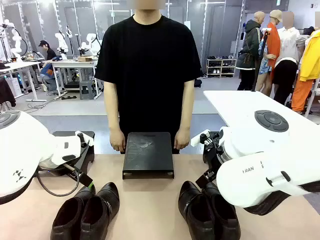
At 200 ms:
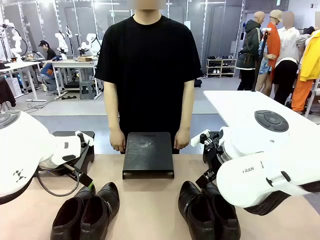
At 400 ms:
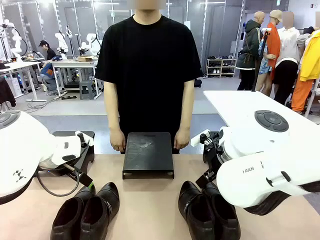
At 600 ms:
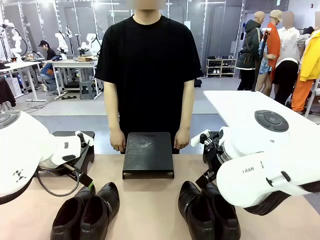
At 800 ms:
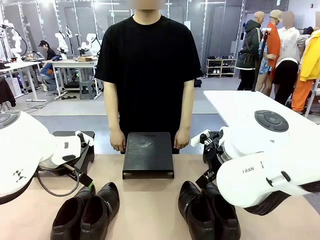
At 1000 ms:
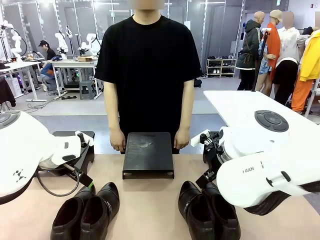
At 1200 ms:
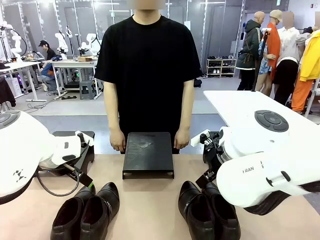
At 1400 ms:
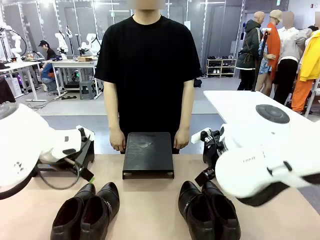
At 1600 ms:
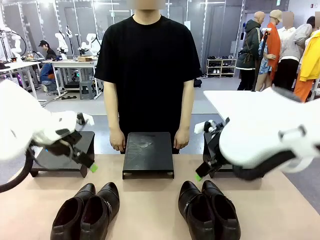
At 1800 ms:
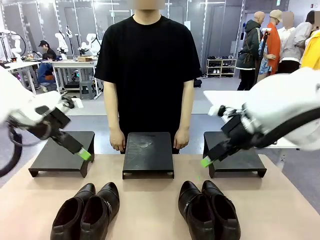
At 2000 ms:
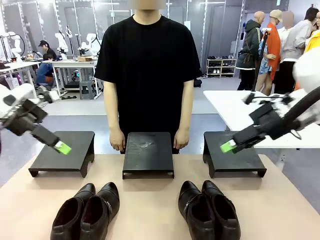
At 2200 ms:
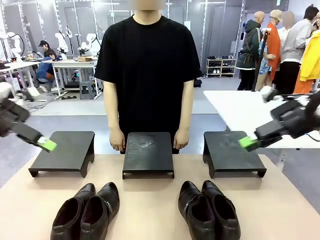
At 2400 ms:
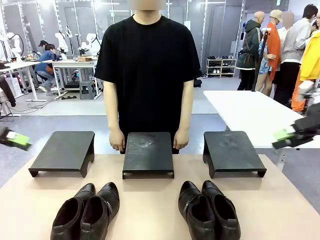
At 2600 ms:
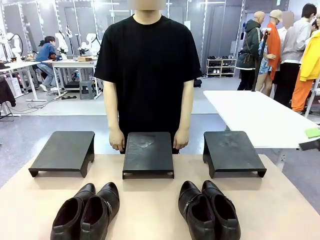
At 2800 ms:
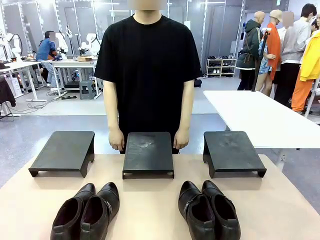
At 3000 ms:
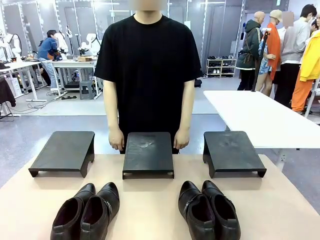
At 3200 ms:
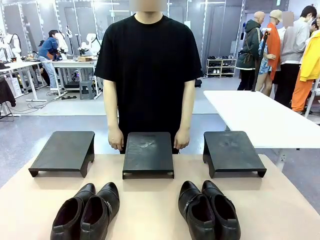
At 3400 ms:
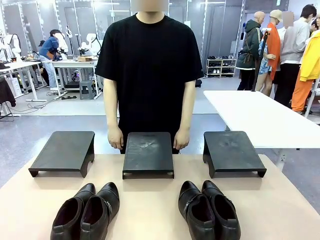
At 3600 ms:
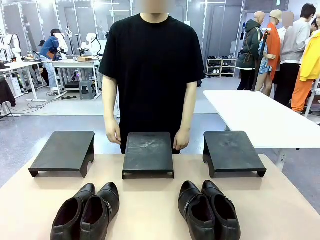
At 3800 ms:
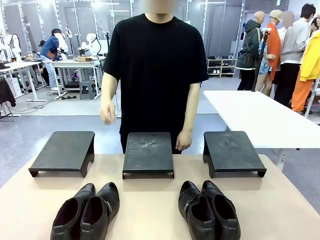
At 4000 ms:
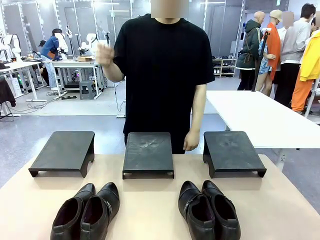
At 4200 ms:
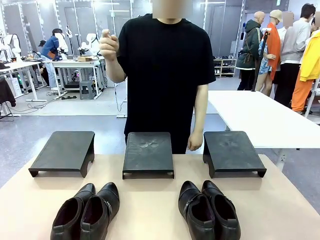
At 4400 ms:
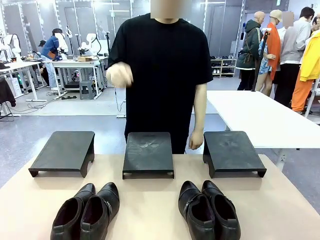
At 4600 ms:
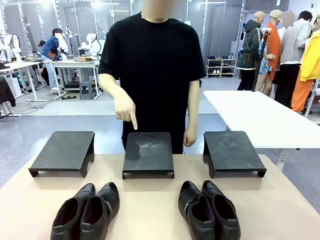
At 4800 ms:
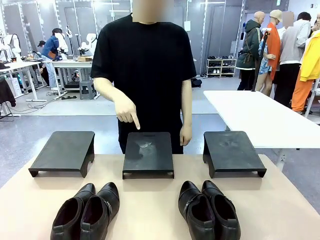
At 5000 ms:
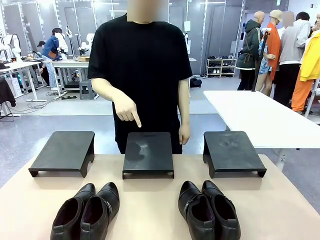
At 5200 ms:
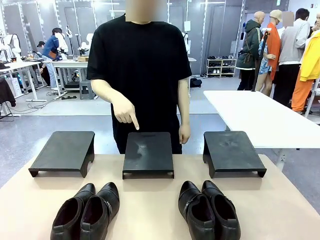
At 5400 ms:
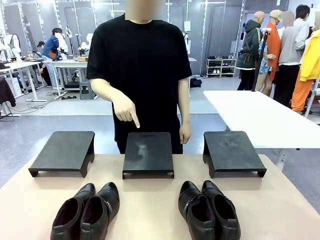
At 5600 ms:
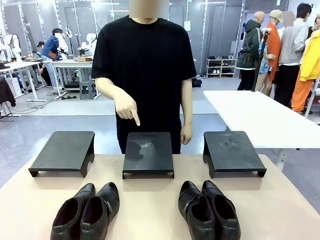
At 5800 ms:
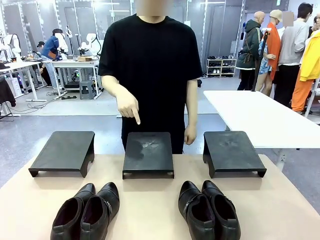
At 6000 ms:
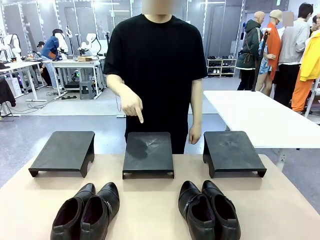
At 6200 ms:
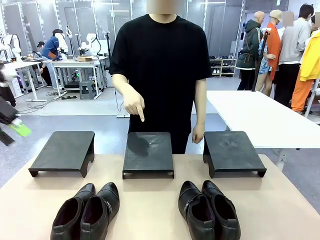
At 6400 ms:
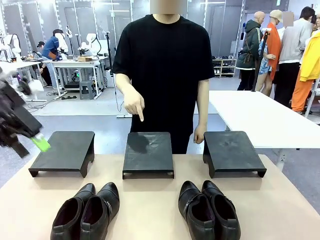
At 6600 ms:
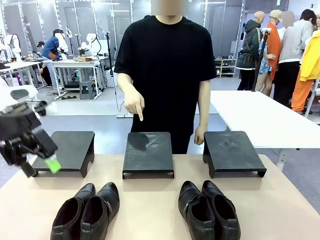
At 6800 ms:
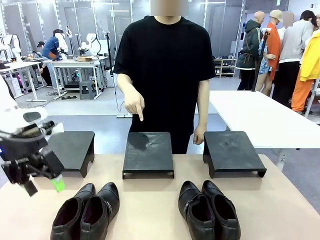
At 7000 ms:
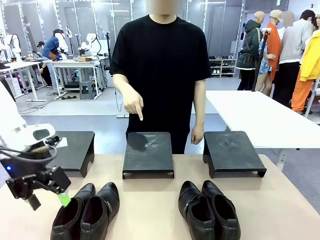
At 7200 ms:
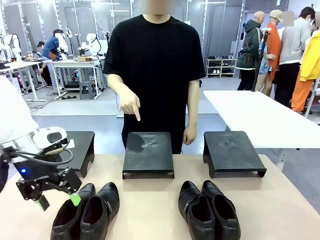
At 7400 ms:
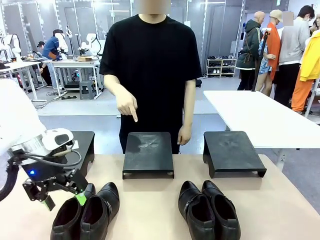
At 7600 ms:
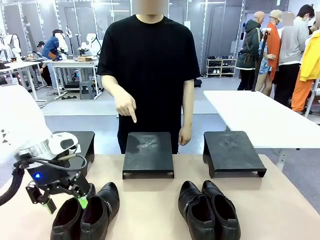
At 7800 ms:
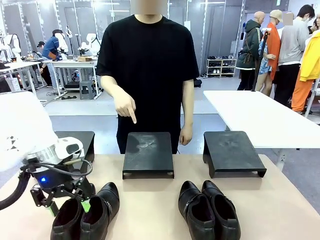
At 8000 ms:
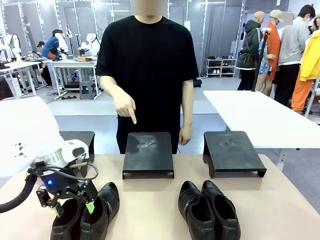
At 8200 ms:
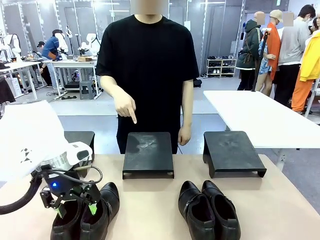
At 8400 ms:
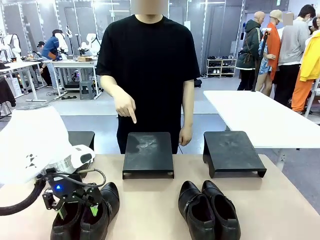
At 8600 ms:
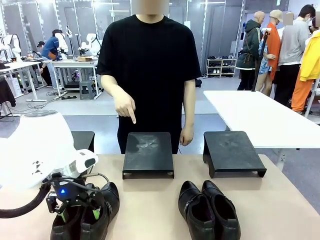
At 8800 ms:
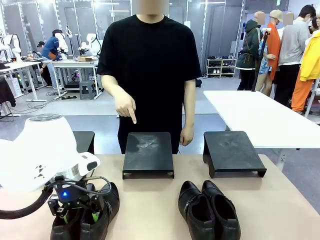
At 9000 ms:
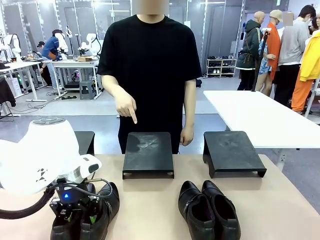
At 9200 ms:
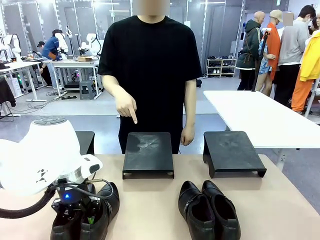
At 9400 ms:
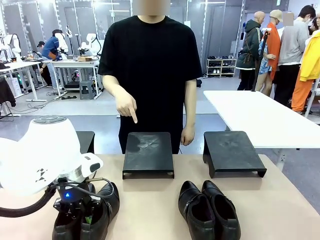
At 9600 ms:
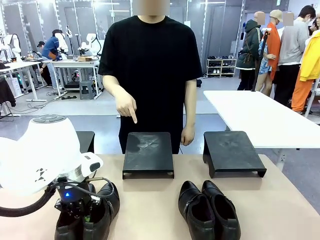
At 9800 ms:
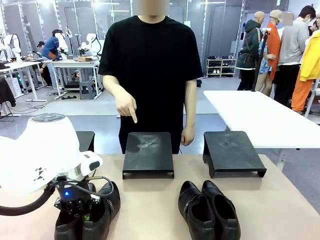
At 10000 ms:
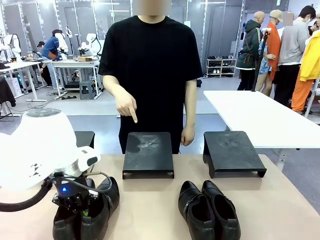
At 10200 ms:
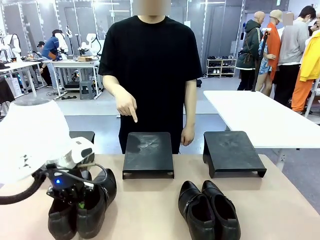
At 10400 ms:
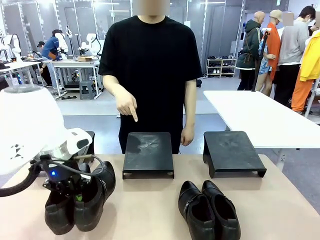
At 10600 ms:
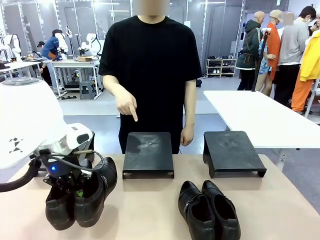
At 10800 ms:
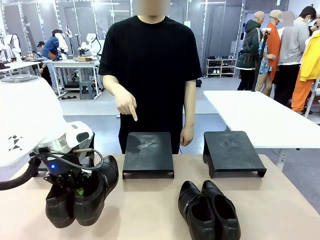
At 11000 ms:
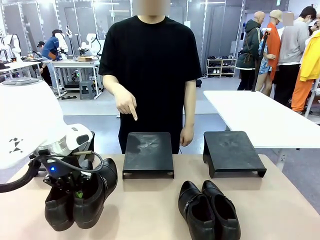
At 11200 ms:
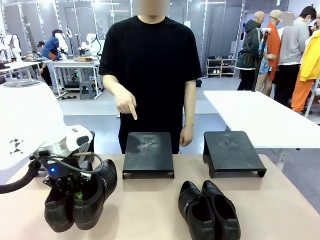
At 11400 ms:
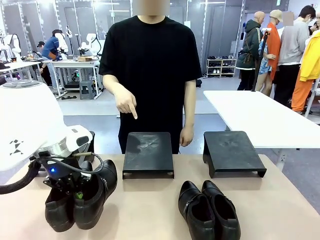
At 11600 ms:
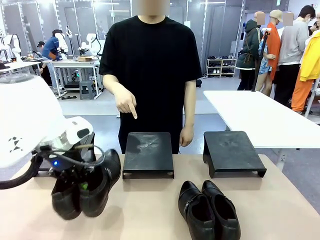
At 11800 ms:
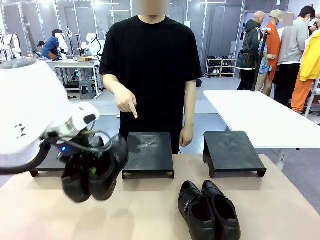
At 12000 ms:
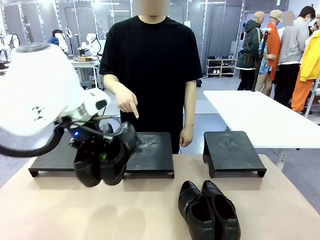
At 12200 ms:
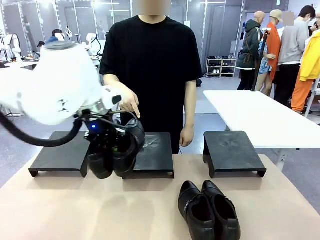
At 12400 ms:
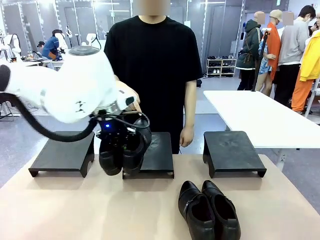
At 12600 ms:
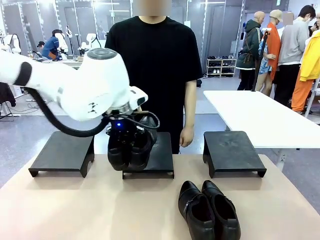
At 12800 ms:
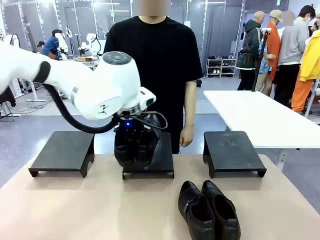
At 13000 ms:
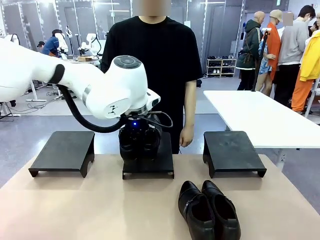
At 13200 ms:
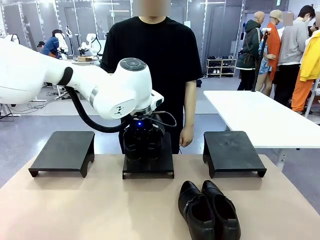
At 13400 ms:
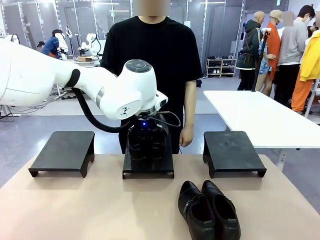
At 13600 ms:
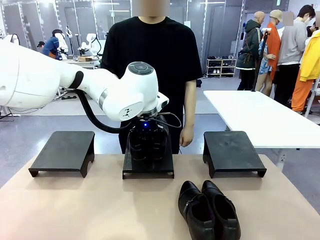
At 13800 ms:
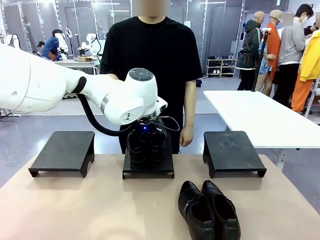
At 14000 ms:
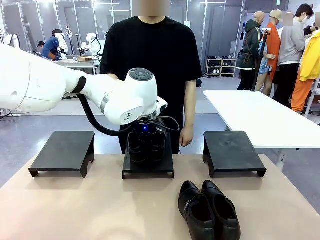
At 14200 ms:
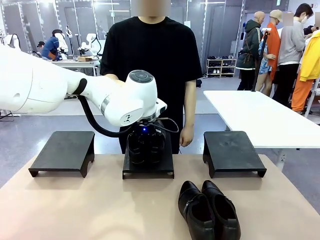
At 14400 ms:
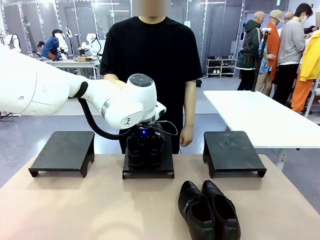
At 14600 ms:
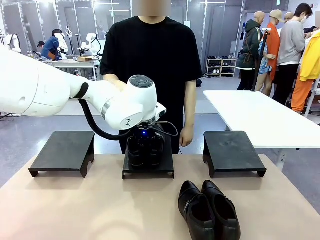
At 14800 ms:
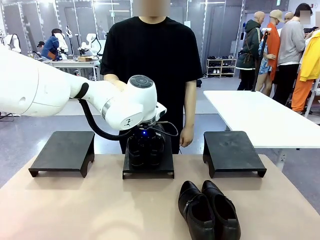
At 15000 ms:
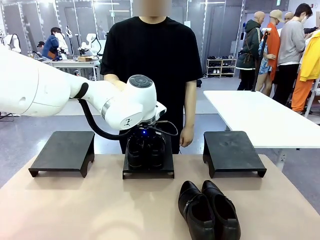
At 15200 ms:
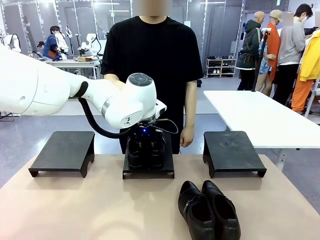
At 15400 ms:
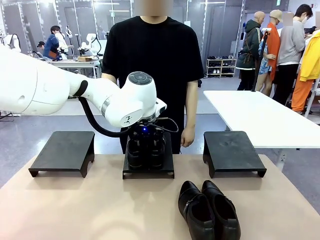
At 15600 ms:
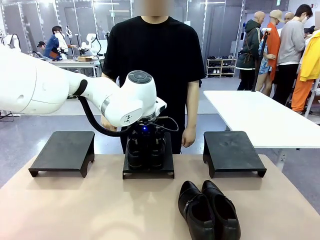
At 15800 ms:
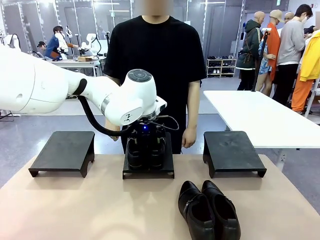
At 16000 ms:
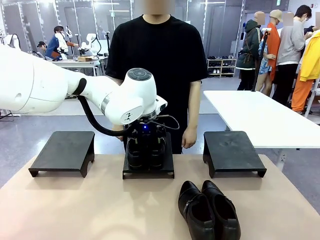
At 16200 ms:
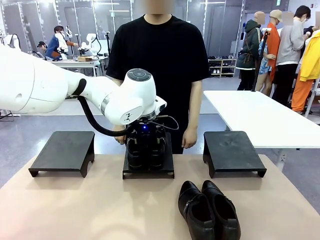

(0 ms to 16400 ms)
Task: Place the shoes on the stand as instructed by the person.
Robot: Pick up one pair of Shoes and place it on the Shoes Stand indicated by the person.
